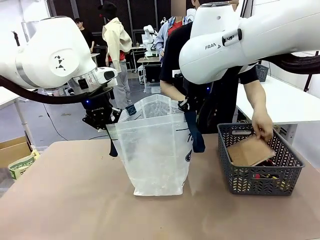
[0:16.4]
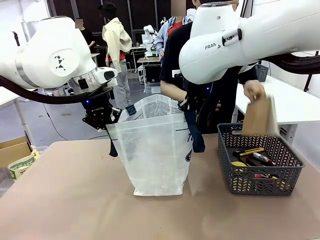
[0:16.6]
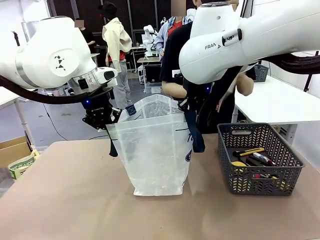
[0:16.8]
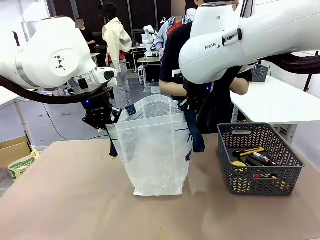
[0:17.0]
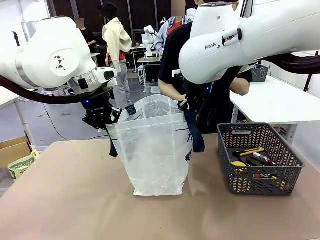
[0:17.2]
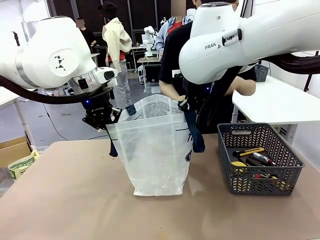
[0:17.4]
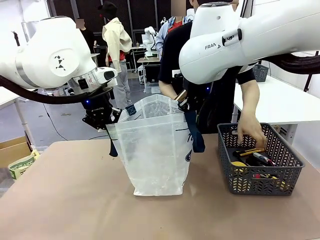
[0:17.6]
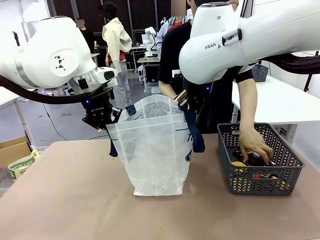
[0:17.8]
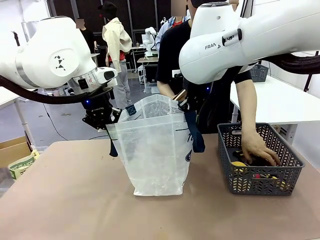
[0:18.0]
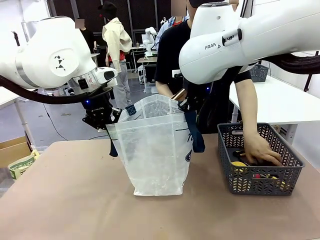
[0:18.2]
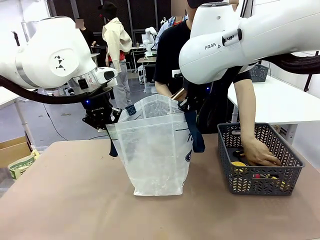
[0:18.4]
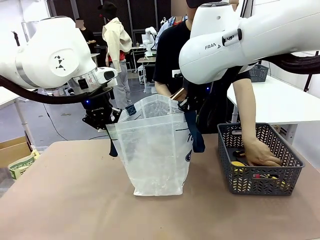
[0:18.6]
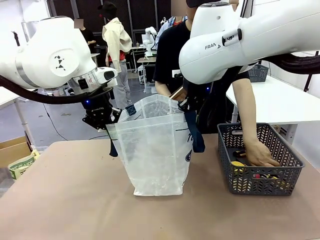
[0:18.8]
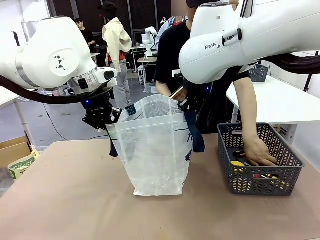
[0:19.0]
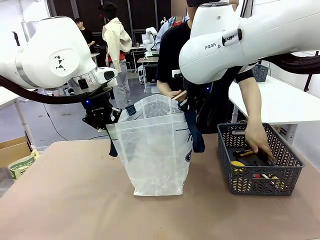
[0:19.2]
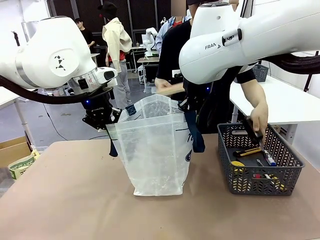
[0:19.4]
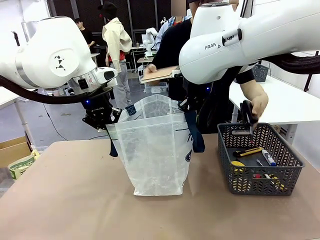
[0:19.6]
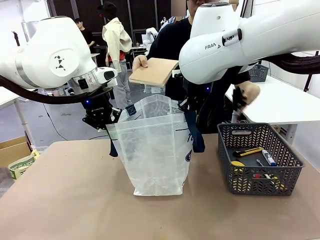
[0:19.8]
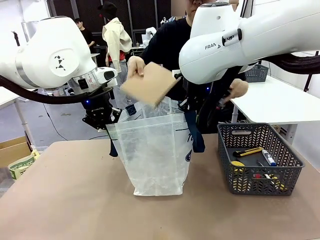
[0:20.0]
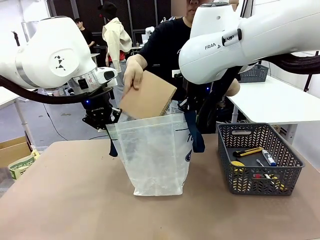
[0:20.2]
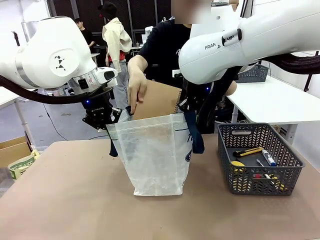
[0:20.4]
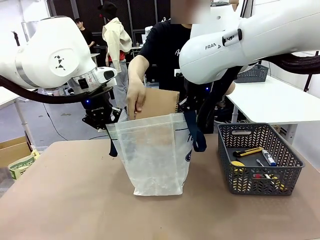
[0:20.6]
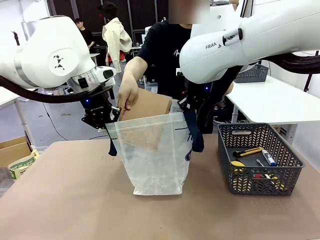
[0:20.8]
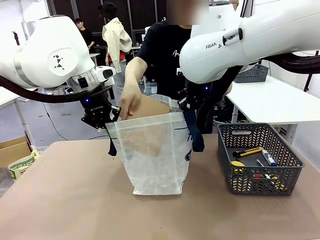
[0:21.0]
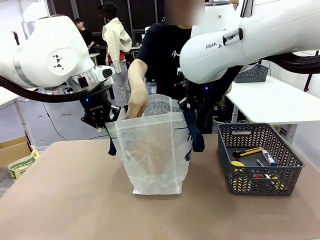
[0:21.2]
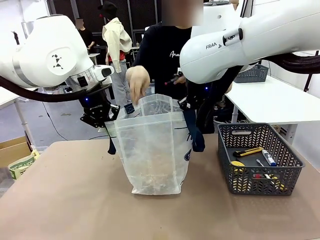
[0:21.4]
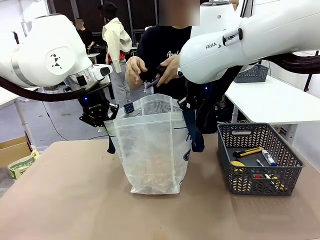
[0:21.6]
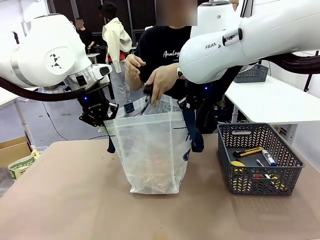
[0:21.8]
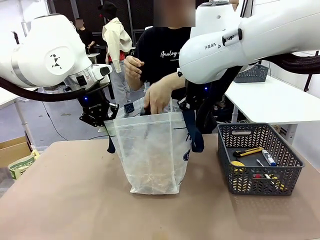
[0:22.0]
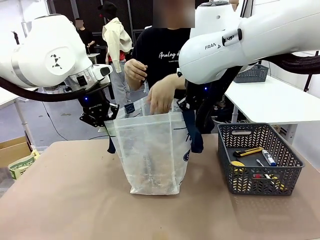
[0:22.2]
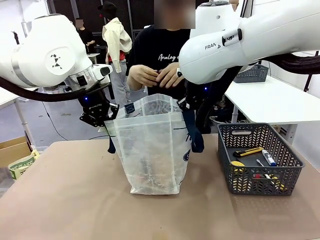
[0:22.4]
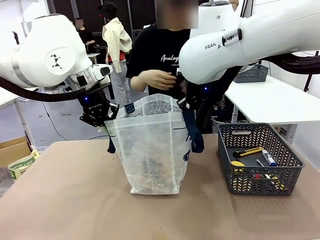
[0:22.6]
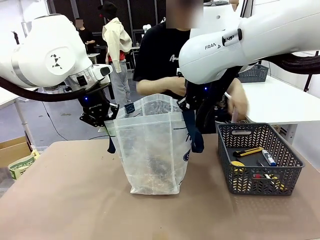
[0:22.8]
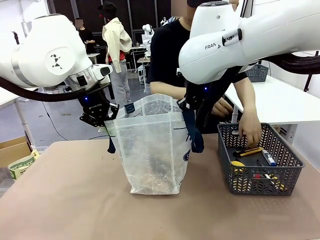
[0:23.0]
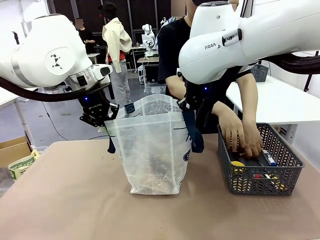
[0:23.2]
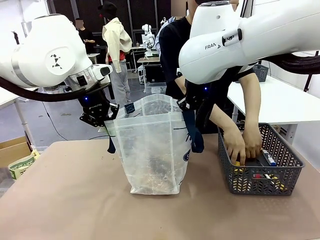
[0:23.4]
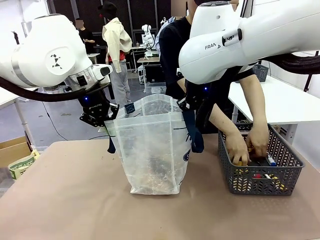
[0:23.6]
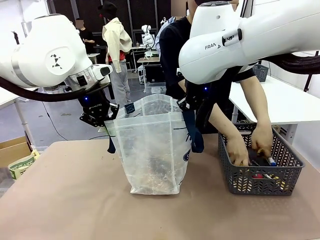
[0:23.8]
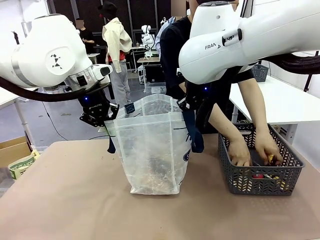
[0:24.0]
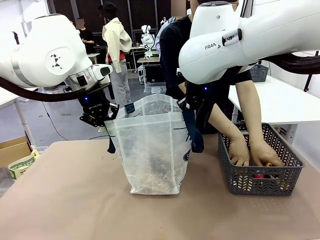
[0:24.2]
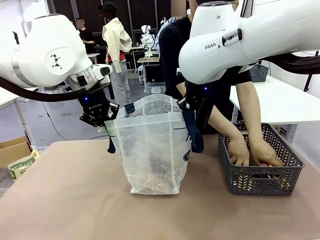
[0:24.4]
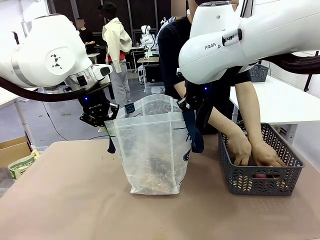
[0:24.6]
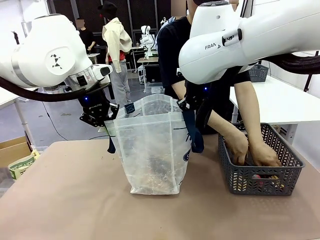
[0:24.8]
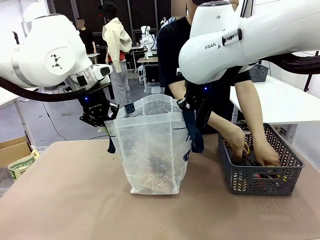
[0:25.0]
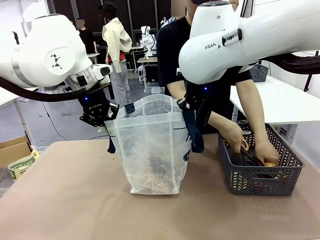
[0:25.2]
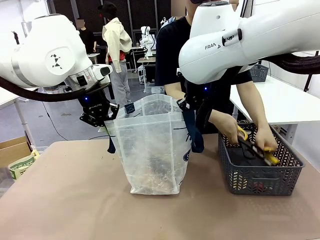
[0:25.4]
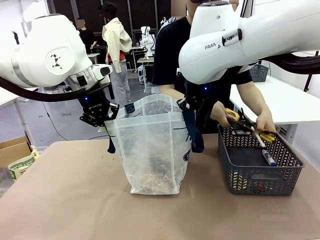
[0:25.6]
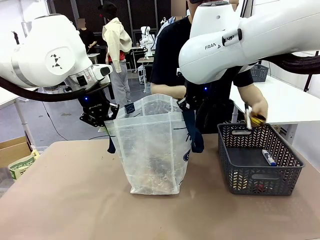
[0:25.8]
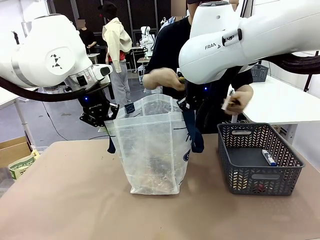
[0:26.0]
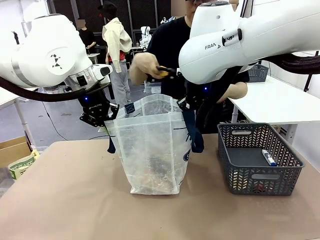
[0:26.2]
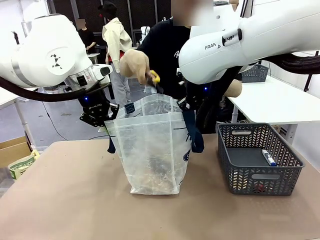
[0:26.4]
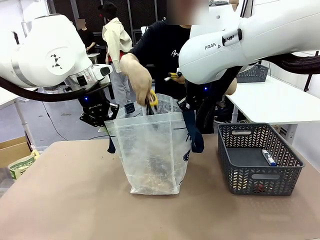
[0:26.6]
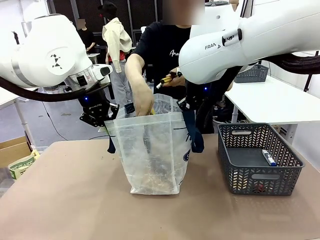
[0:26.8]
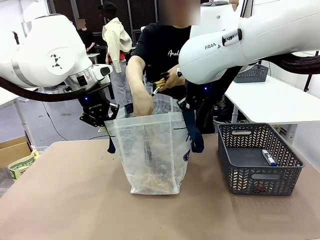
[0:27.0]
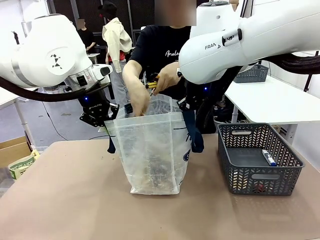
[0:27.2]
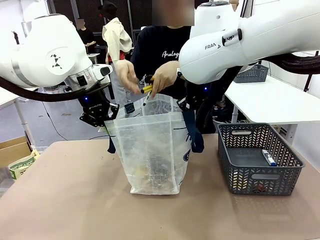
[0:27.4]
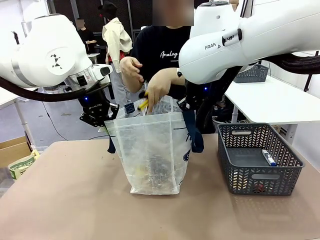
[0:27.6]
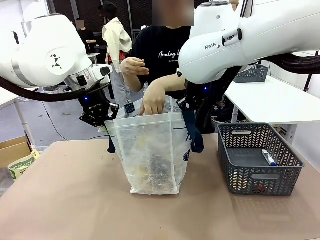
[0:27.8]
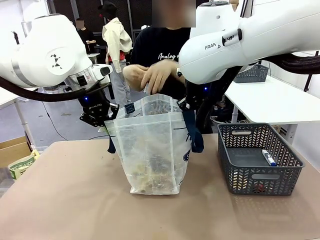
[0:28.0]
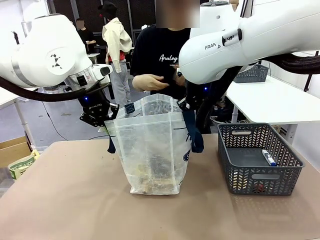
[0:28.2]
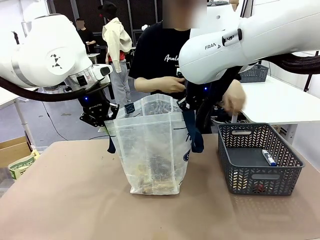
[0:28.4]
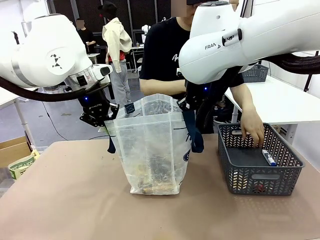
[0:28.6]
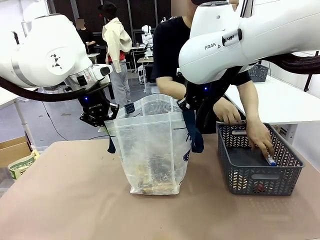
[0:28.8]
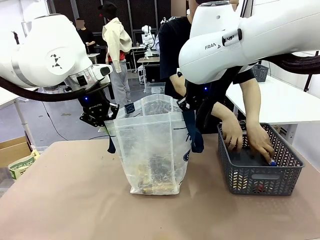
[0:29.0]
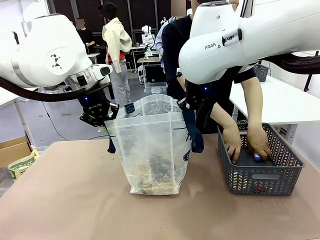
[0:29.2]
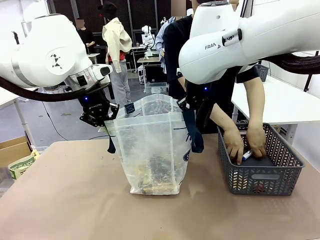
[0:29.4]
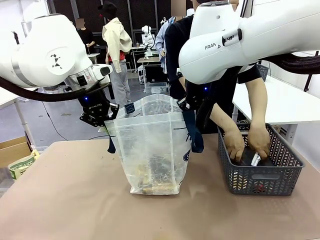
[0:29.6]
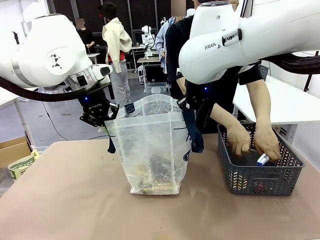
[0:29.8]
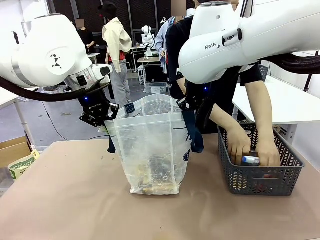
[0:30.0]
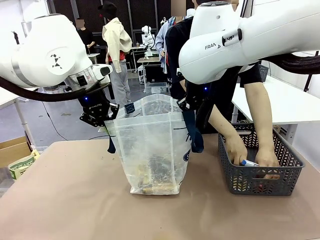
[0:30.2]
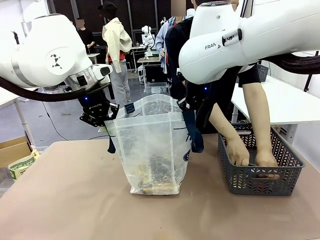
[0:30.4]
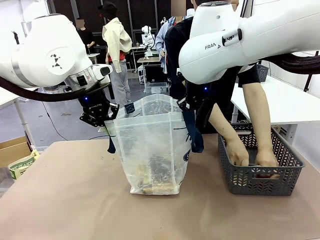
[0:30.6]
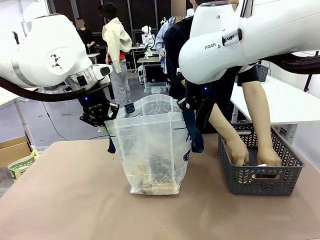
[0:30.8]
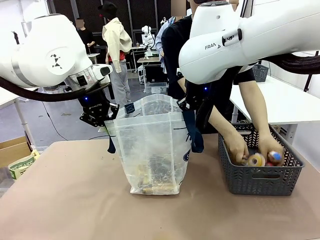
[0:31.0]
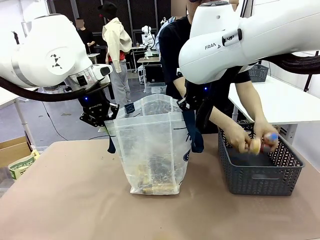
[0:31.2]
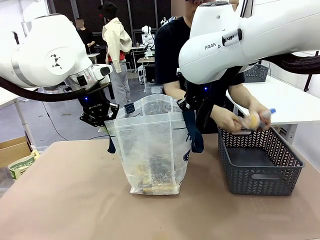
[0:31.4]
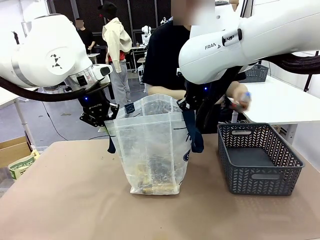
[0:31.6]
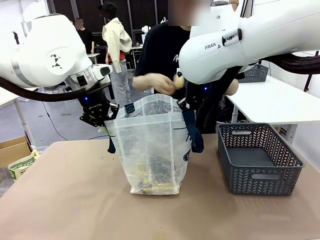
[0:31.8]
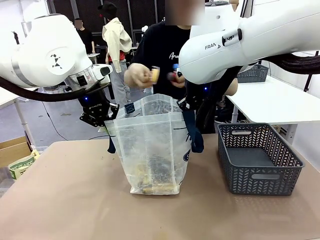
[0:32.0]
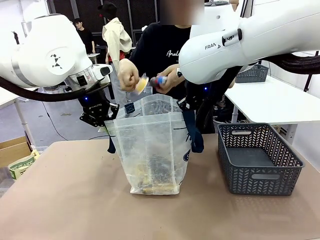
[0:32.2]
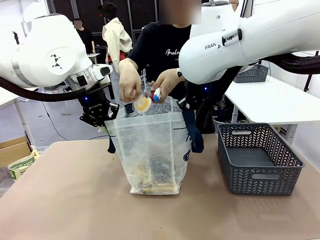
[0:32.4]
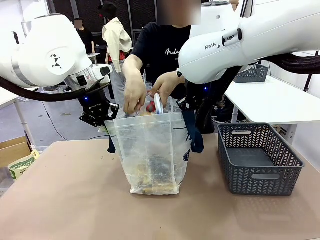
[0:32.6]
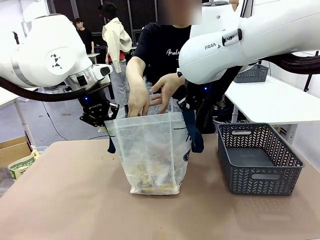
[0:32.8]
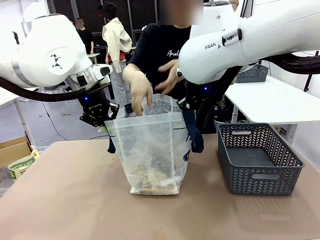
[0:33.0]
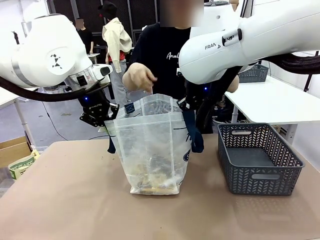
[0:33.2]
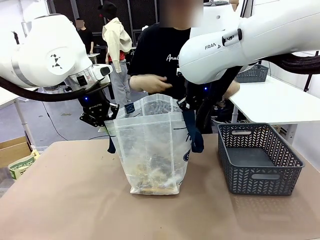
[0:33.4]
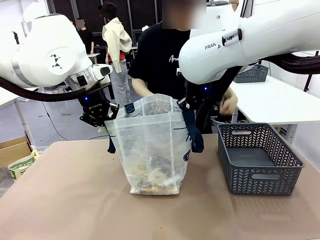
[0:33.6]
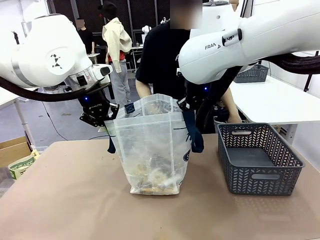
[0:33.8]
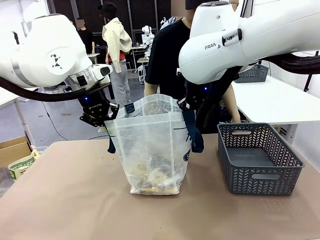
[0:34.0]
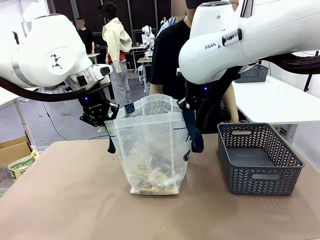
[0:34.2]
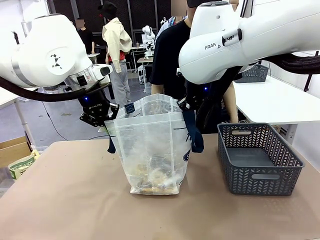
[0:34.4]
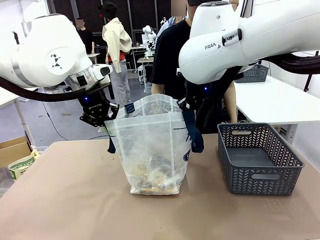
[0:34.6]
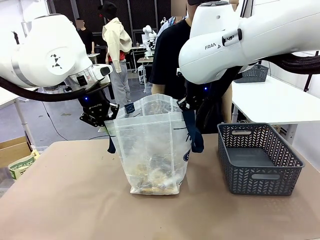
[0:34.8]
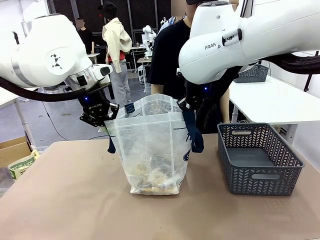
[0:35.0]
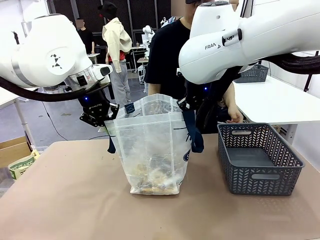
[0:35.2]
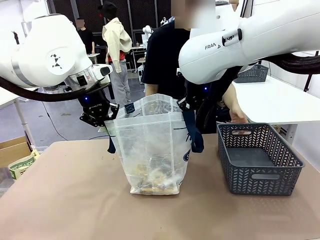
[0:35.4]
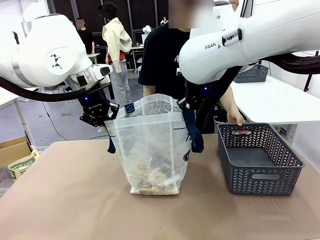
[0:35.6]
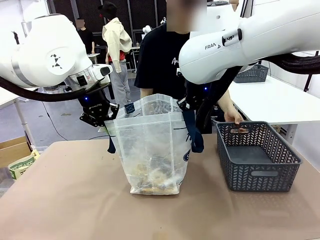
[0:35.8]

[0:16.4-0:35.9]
Task: Transfer purchased items from the store into the shopping bag.
Robot: Move the Reusable shopping bag to the right side of the table.
Person: Pick up the basket on the right, place it on the left side of the robot table, and move the items in the basket to the shopping bag.
